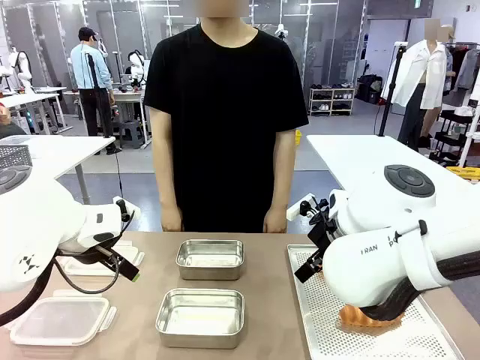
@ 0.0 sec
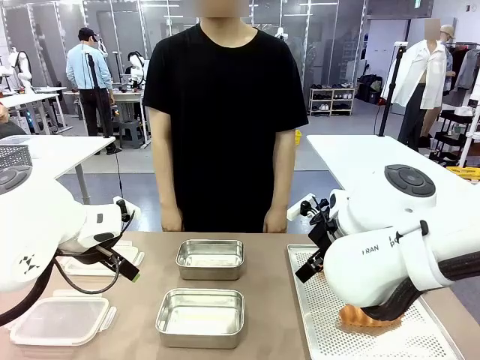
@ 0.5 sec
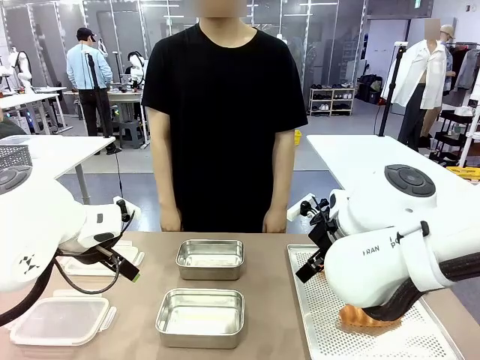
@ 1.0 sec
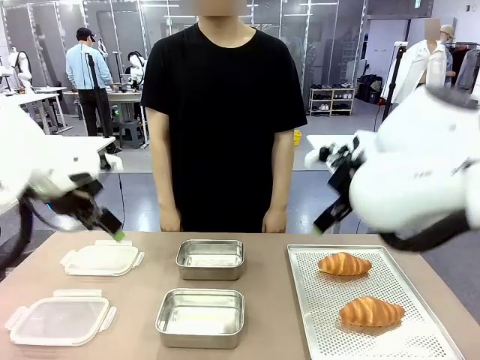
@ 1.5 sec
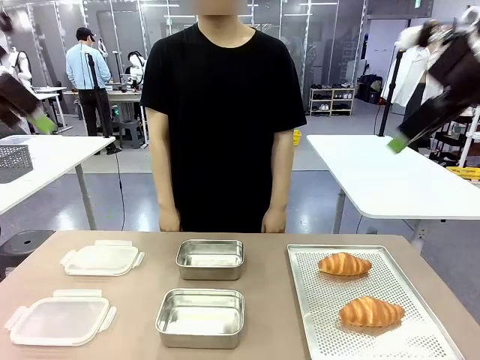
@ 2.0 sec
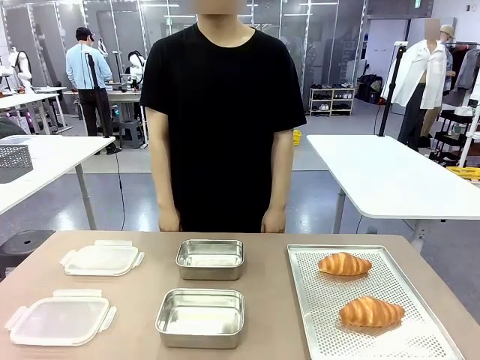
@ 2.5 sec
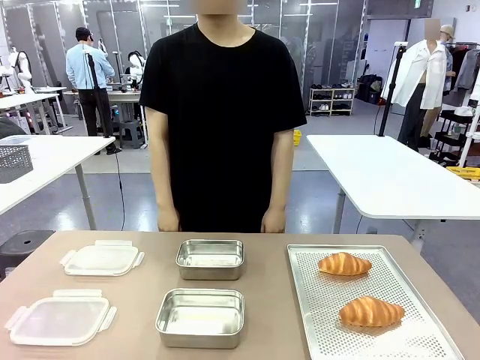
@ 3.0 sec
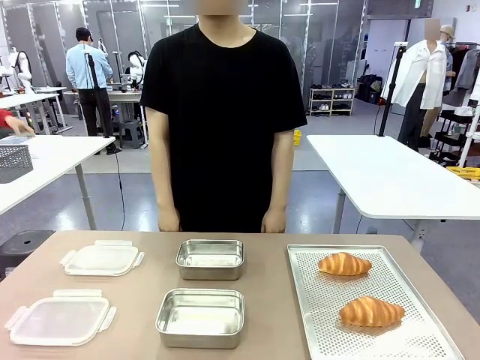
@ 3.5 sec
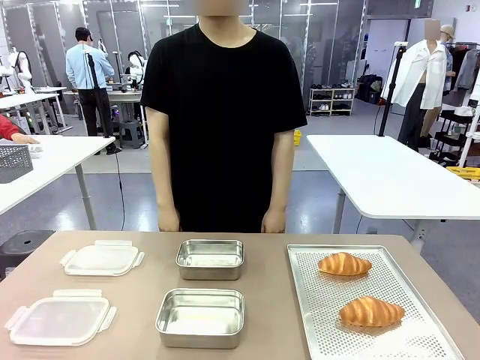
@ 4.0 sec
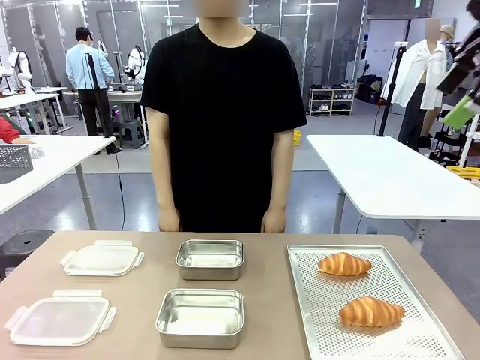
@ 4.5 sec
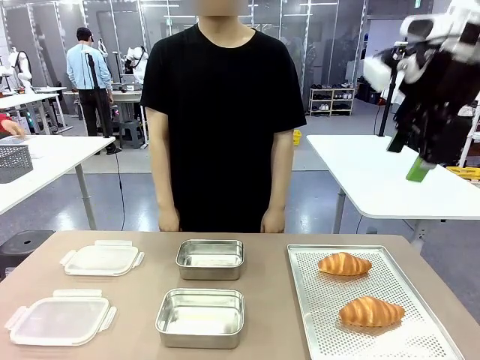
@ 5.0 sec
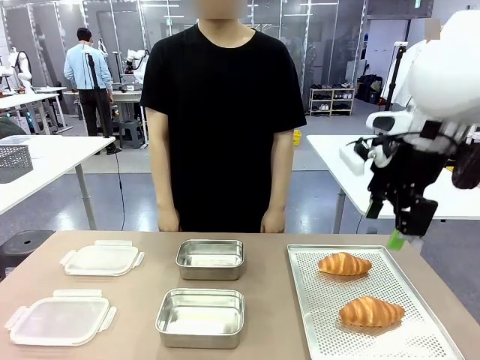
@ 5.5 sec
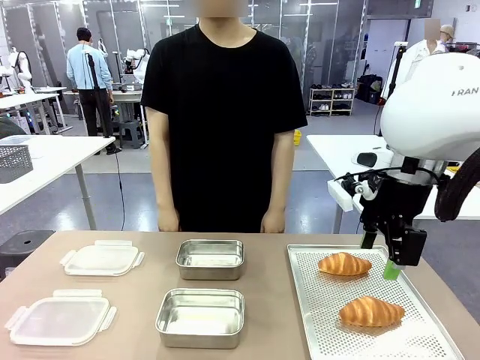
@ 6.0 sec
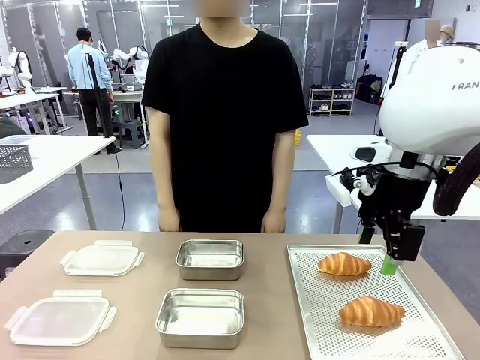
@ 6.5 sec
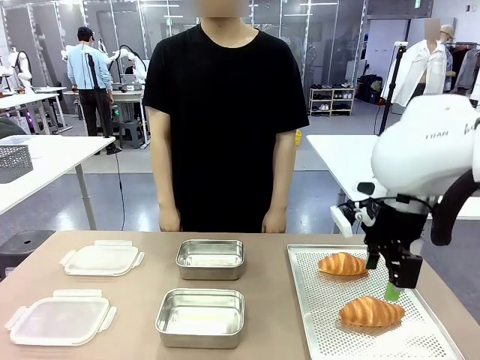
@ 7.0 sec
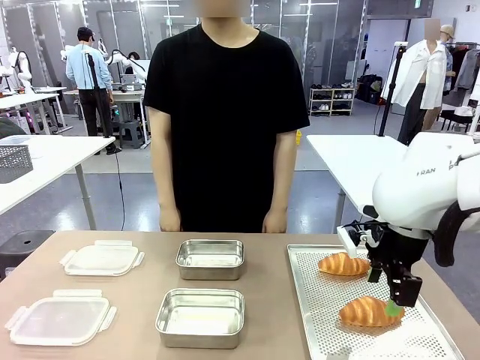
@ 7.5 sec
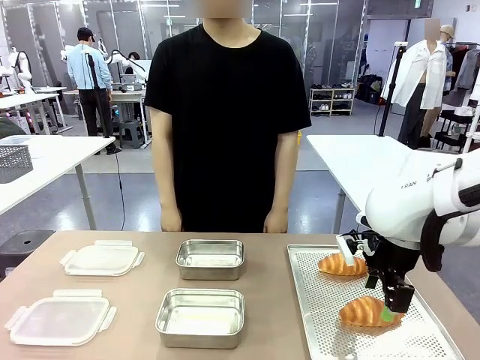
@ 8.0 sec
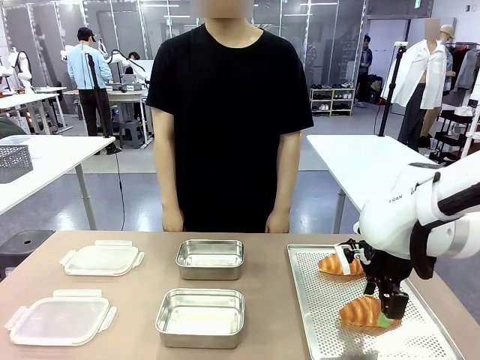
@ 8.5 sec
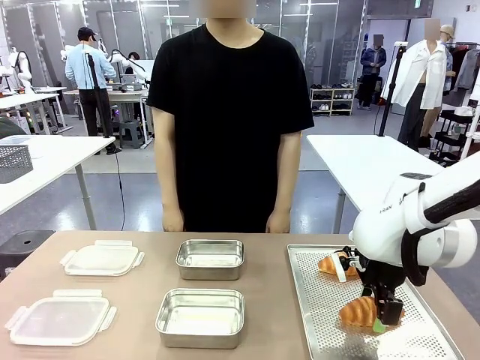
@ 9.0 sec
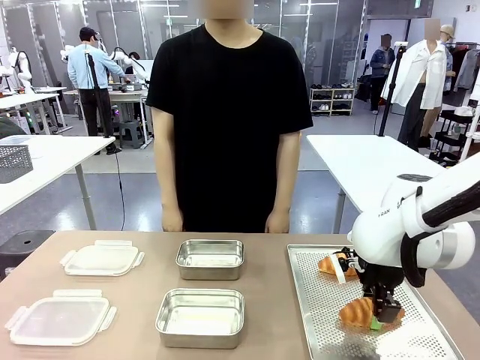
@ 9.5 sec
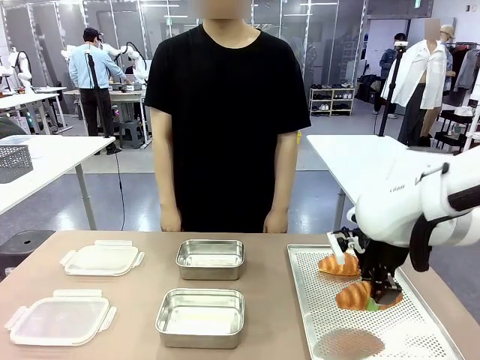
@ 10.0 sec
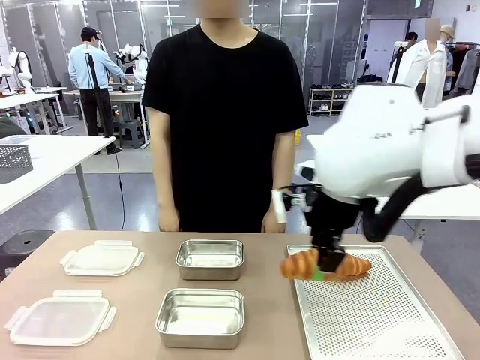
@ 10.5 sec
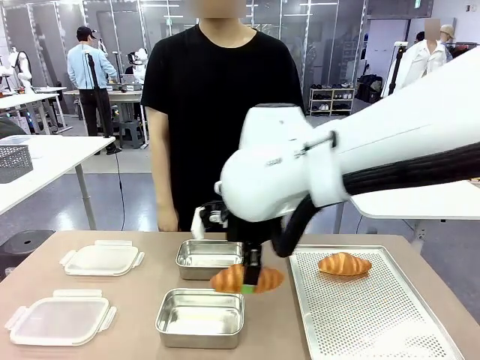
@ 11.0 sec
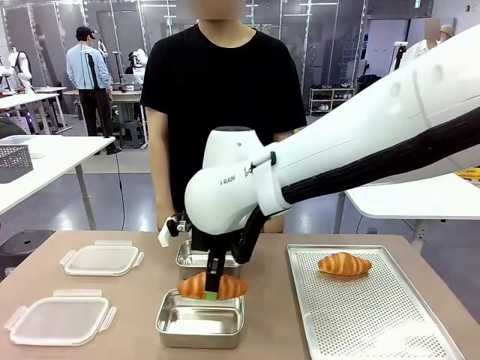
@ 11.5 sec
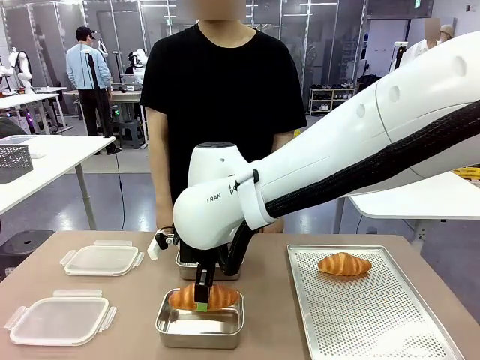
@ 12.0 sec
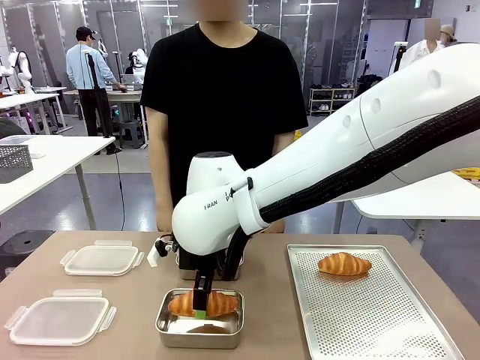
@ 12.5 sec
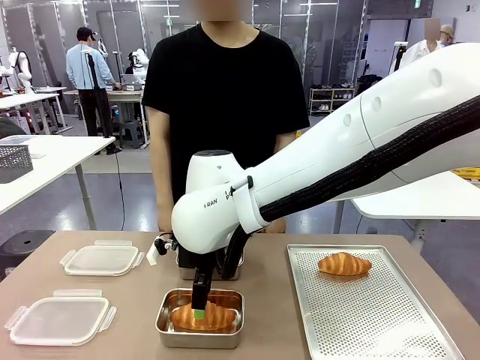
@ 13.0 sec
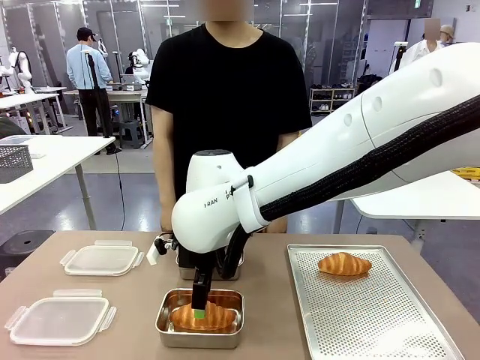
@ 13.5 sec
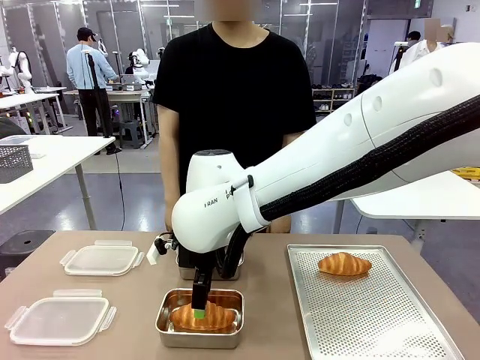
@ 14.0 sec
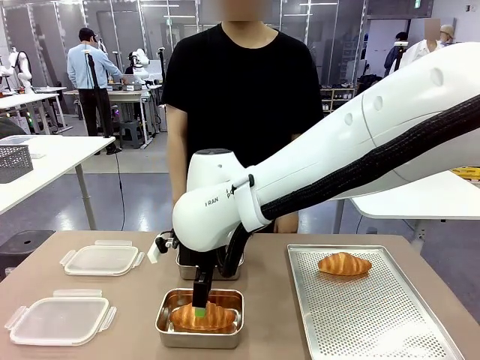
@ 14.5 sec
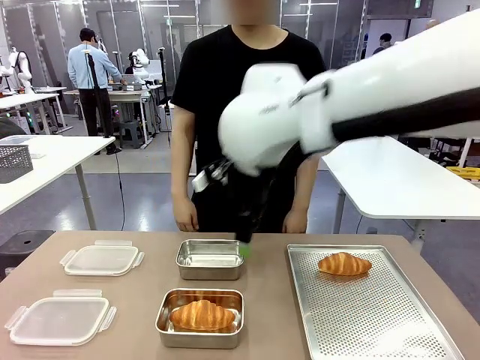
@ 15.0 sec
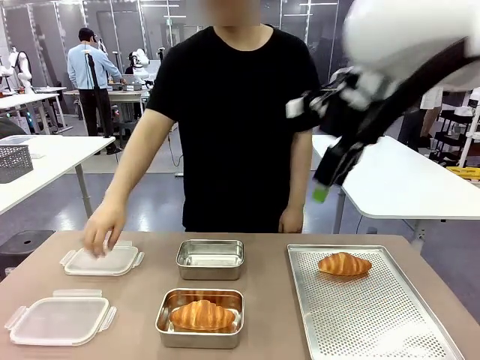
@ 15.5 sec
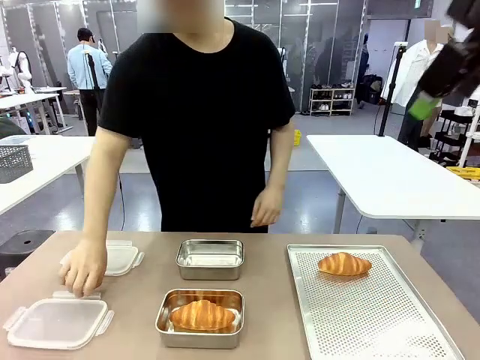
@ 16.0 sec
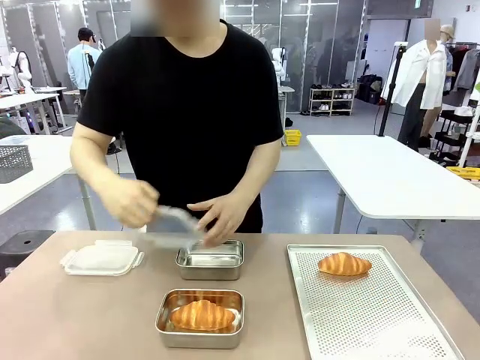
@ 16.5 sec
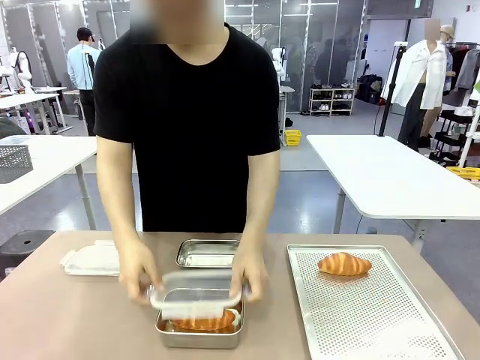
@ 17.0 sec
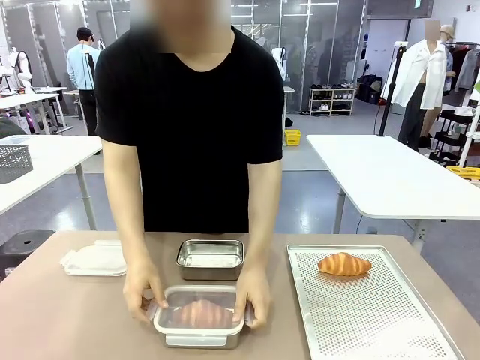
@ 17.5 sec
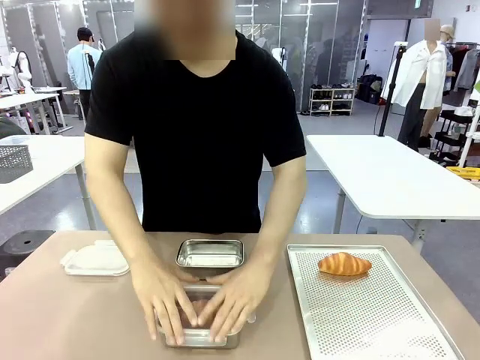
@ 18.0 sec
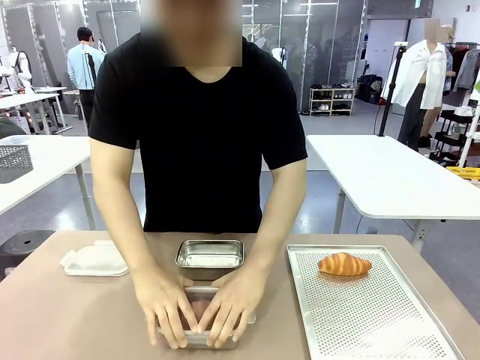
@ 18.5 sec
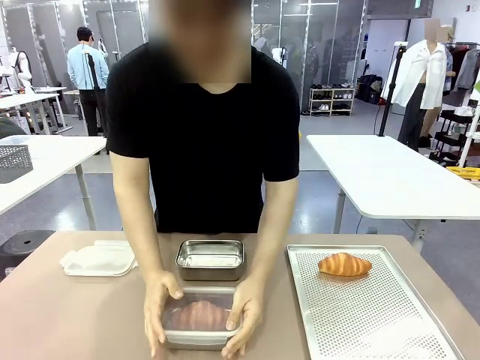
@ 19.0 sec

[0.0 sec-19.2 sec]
Task: Place the bread into the airtight container.
Robot: Pick up a Butter Roll and place it into an empty Airtight Container.
